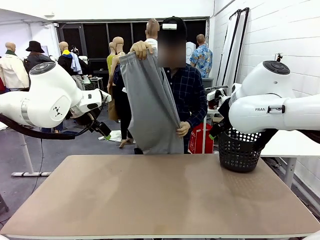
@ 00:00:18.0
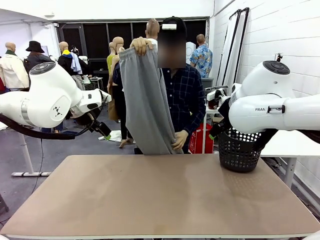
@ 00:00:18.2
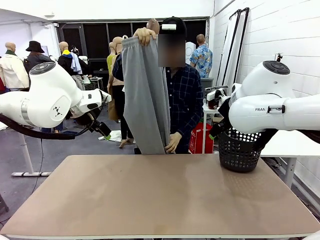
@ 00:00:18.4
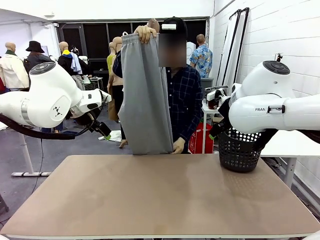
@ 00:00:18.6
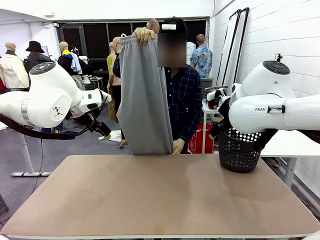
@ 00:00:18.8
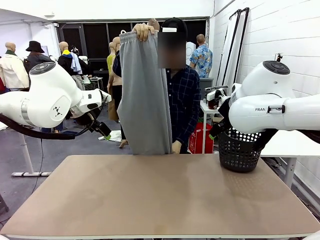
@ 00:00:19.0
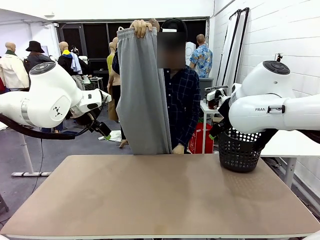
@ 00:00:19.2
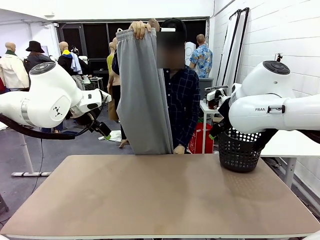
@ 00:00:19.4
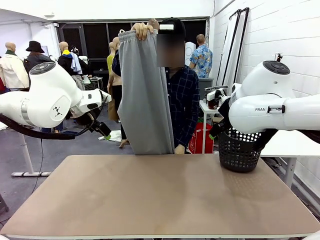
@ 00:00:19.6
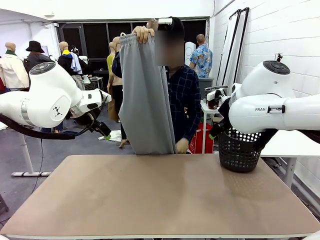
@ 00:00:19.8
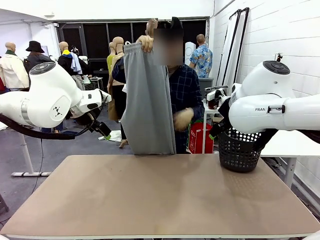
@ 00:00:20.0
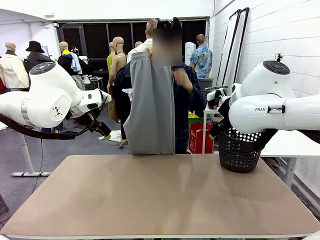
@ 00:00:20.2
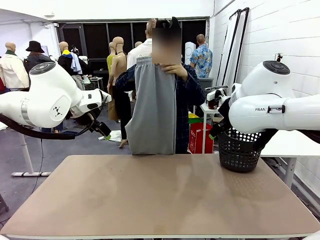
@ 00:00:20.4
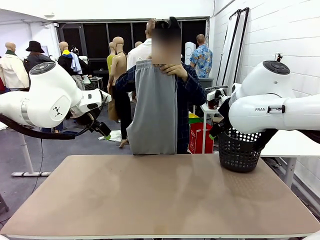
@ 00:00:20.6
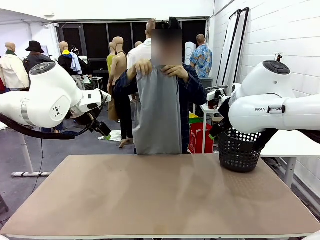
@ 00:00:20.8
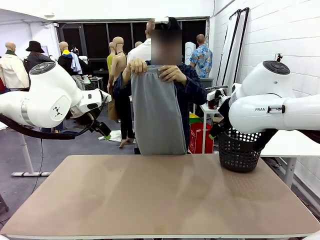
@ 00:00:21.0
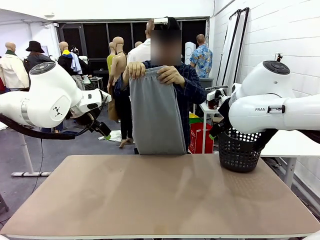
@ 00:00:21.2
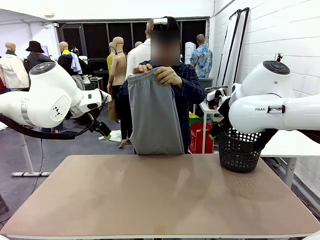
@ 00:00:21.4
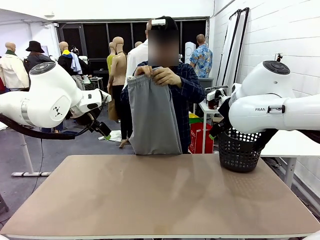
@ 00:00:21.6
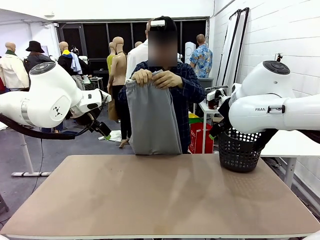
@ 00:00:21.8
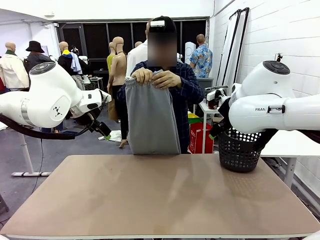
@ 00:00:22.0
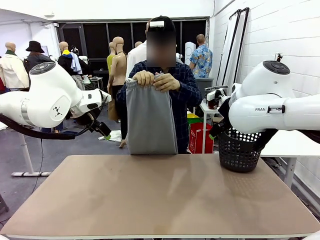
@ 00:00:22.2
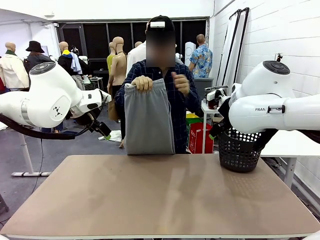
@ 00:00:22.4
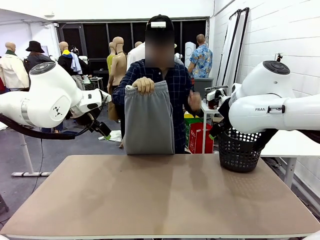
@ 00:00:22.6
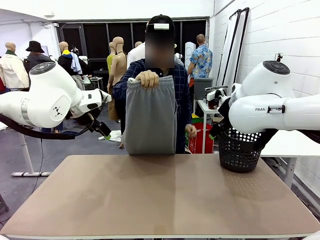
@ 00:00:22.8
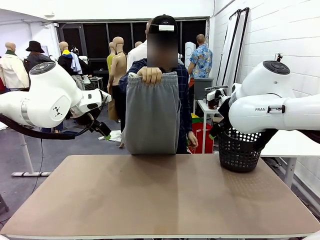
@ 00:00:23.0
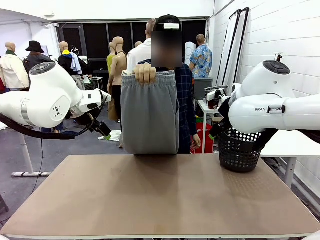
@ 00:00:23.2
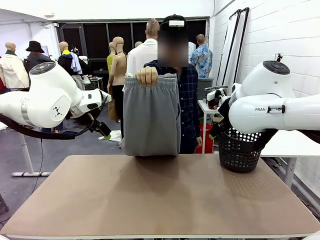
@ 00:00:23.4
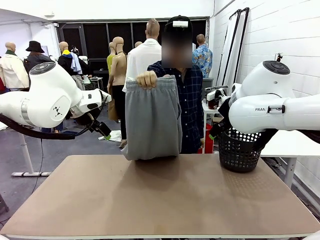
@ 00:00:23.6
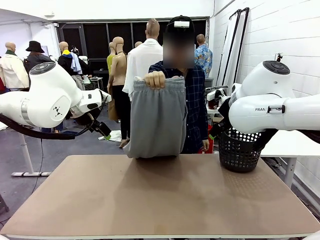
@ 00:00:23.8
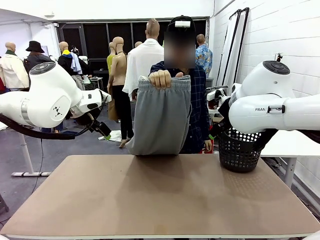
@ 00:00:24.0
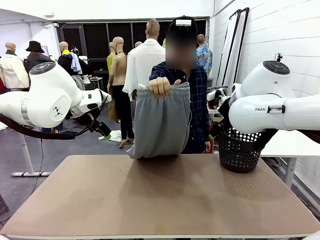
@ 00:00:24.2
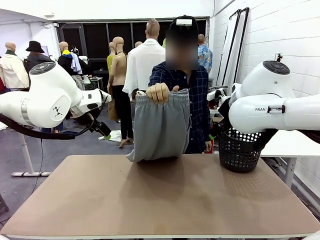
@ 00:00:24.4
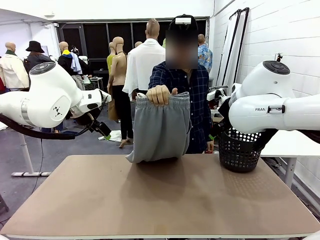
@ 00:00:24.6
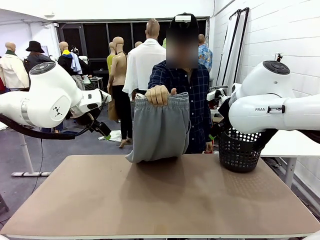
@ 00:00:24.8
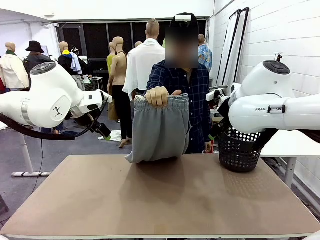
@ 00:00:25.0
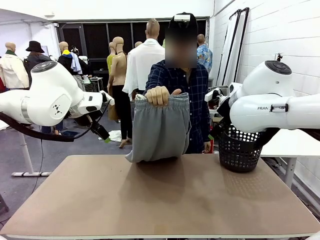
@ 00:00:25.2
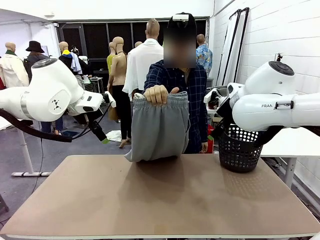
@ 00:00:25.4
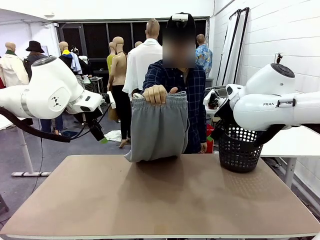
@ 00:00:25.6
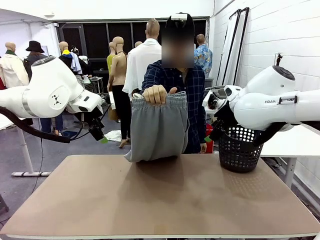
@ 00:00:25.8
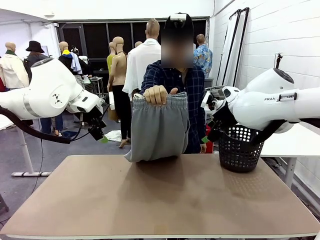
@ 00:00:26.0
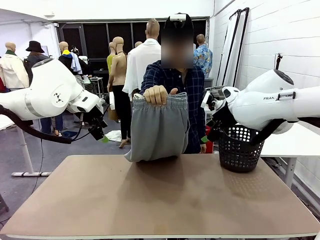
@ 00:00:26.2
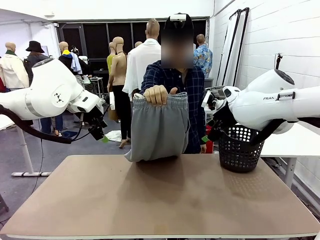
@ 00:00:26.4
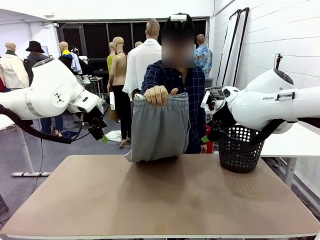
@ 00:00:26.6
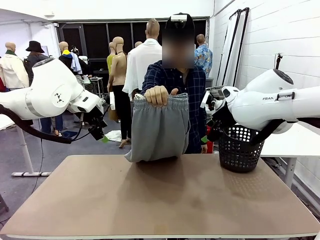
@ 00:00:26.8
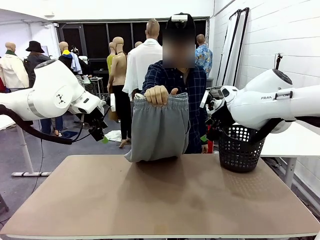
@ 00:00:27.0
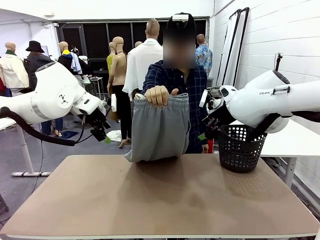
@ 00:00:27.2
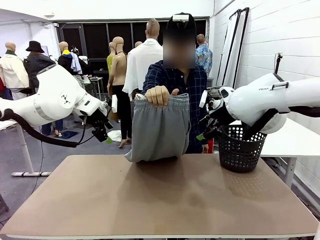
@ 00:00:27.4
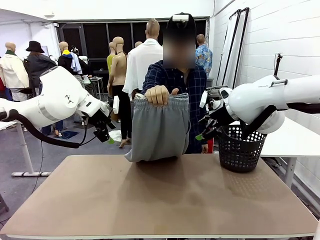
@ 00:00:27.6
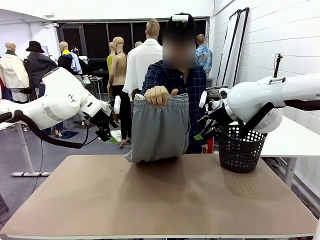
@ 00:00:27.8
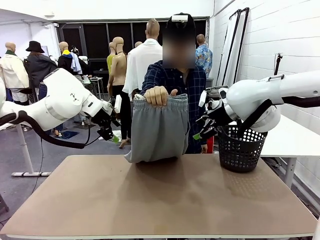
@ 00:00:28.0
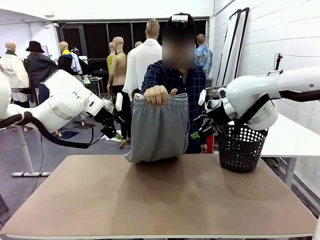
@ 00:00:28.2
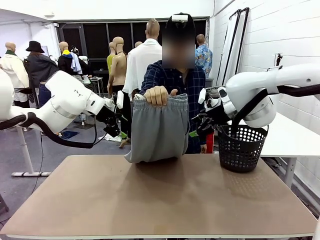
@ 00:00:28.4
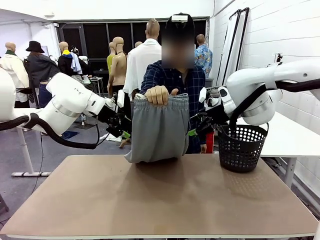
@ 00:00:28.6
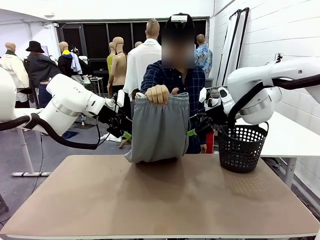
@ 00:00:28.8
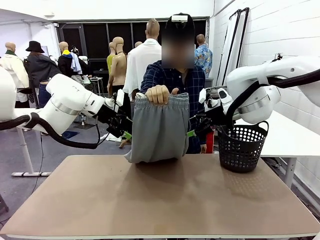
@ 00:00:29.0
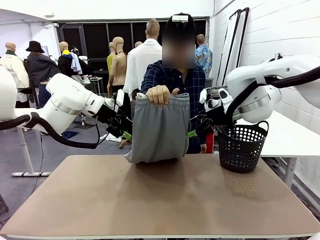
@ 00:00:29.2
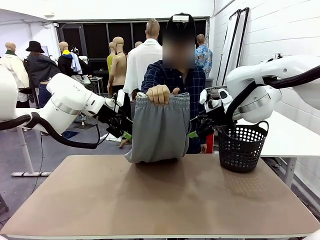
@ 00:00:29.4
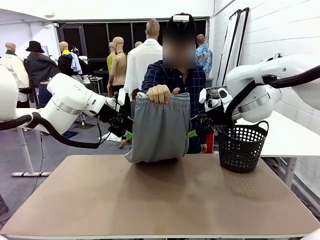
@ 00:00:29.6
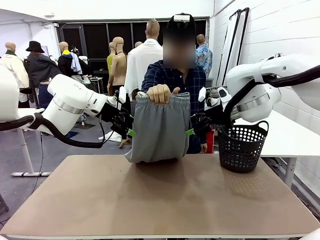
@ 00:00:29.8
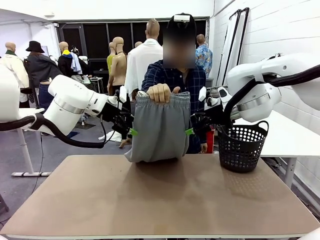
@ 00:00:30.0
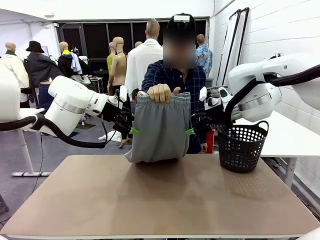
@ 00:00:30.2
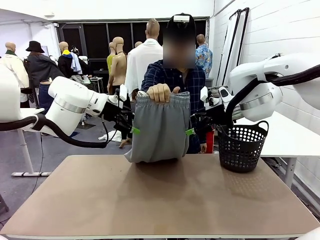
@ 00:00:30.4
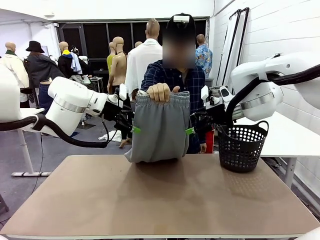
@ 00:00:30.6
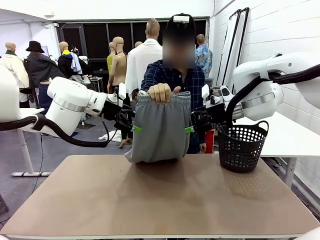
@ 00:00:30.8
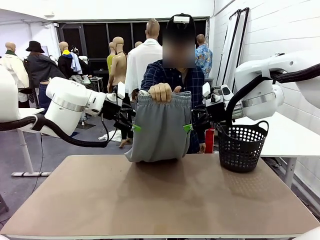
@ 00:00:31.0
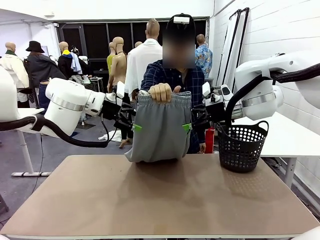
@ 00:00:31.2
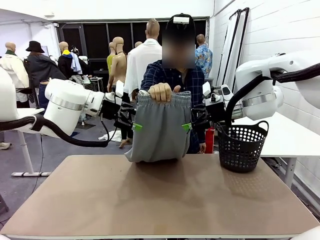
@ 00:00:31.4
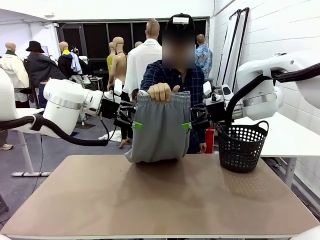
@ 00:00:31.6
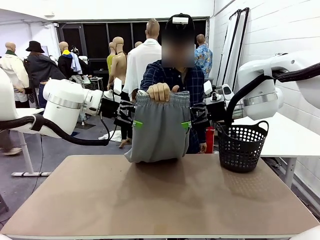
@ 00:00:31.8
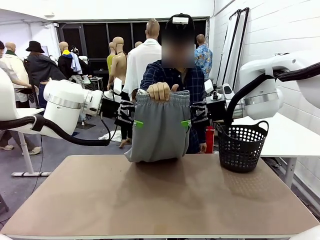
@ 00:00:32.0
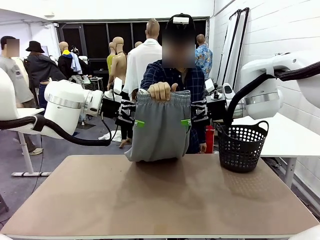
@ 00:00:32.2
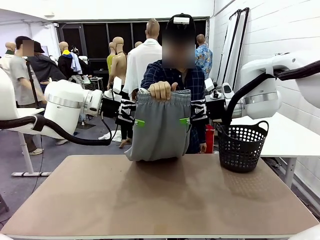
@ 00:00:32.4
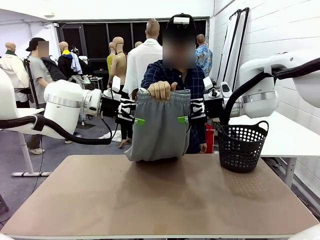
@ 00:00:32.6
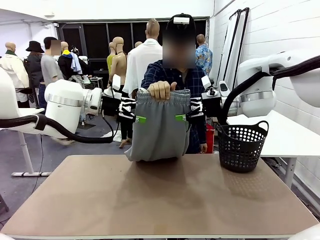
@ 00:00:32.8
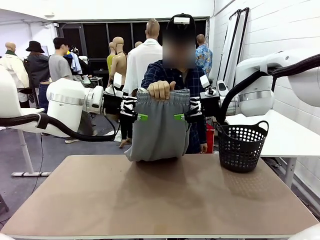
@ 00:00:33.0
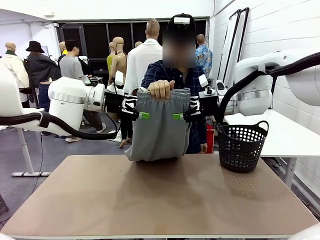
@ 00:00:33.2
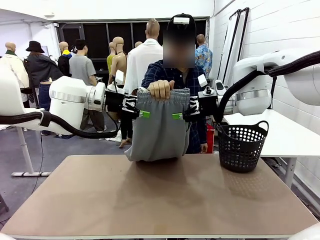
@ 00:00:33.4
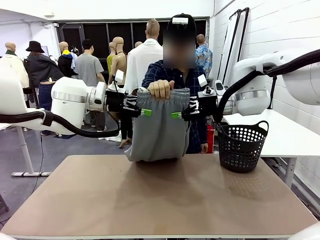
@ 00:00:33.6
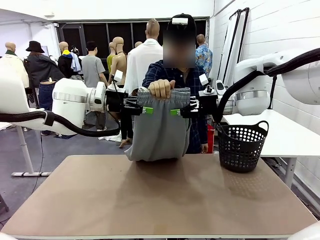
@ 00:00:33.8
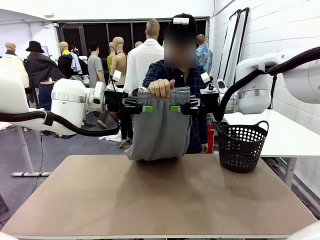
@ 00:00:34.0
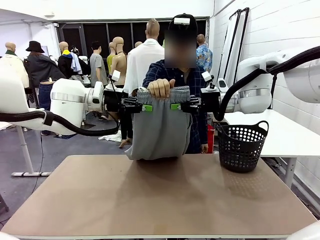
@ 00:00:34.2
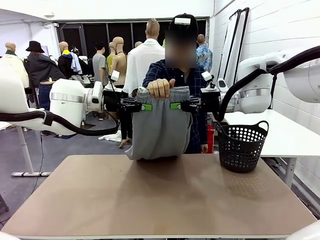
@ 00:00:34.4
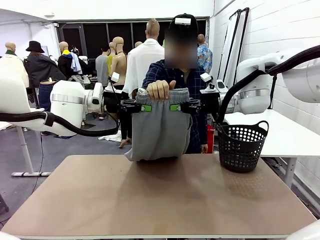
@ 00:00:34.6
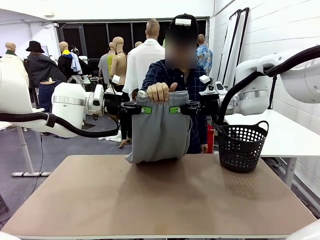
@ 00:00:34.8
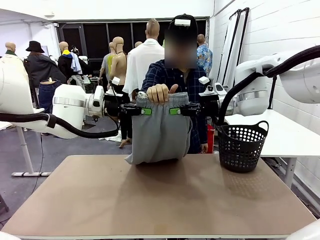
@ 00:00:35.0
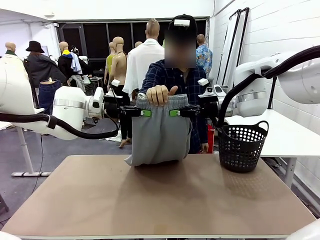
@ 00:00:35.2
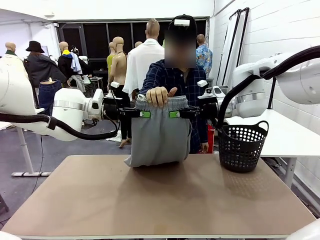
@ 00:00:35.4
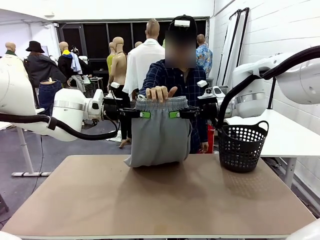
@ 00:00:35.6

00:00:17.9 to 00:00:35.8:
Task: Fold the training pants.
Robot: Grab both ends of the Training pants handed by a person.
